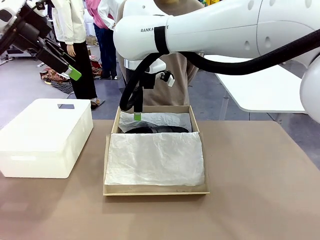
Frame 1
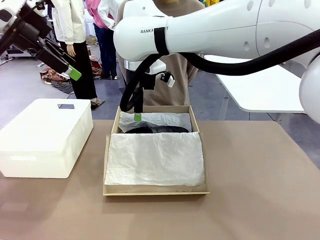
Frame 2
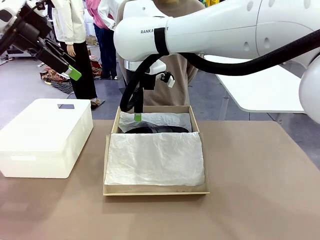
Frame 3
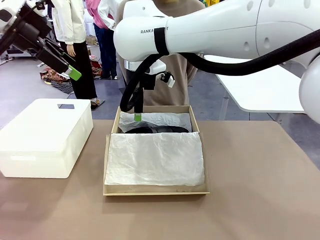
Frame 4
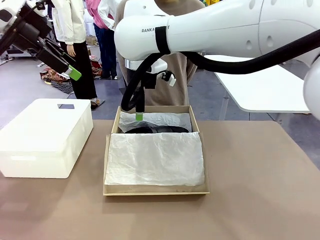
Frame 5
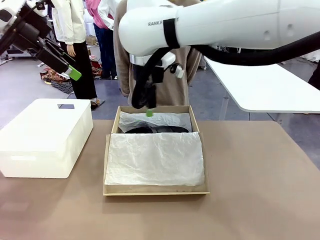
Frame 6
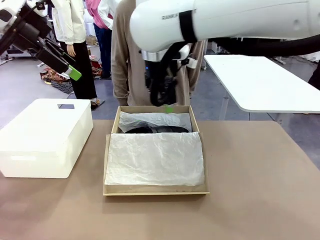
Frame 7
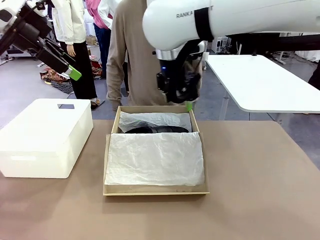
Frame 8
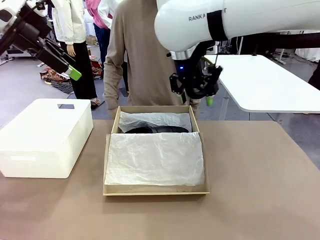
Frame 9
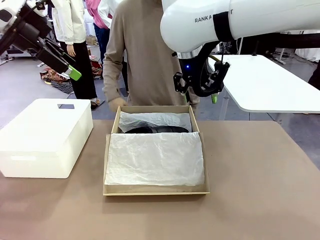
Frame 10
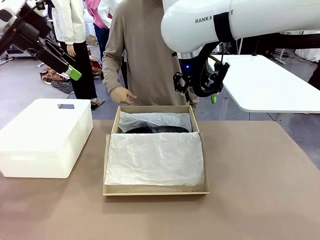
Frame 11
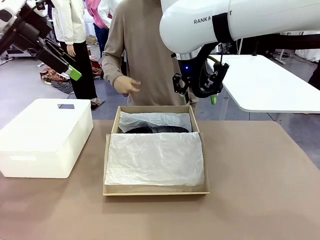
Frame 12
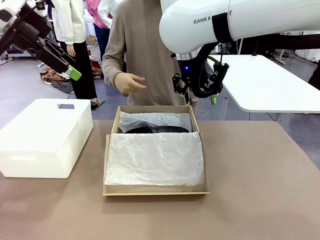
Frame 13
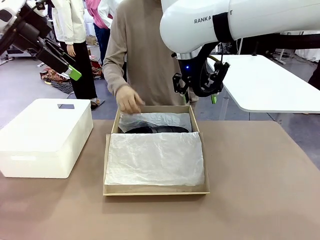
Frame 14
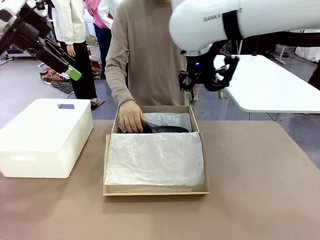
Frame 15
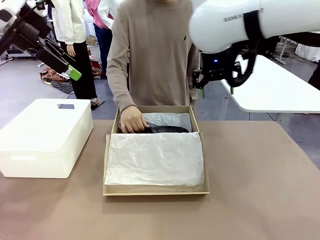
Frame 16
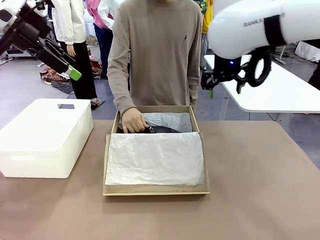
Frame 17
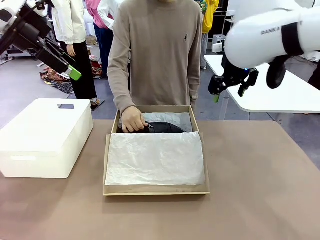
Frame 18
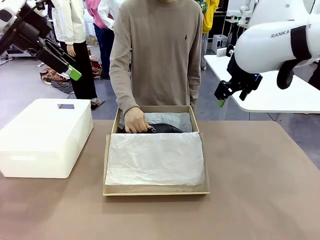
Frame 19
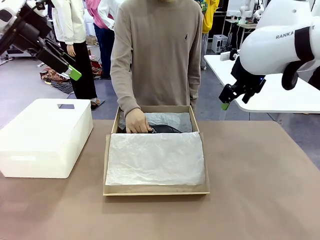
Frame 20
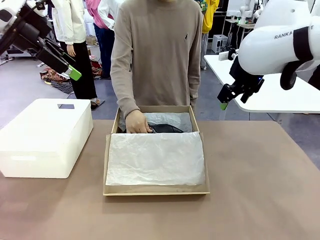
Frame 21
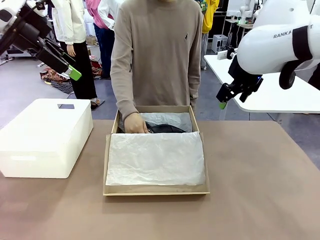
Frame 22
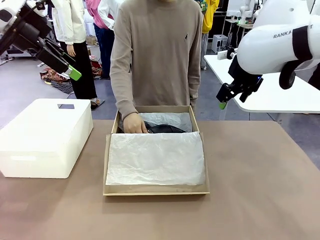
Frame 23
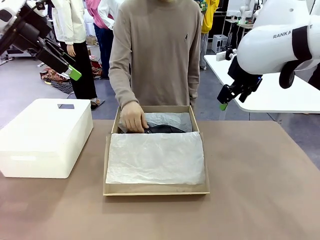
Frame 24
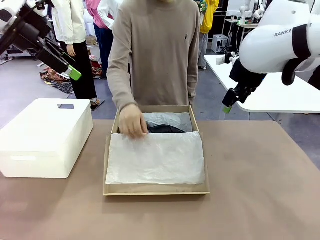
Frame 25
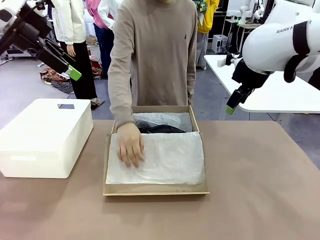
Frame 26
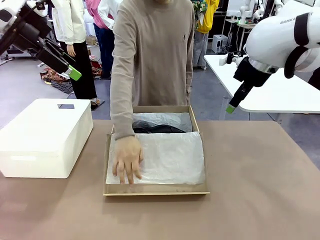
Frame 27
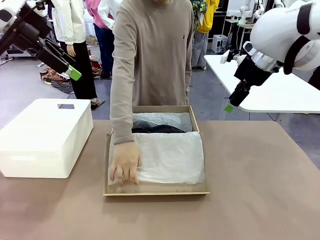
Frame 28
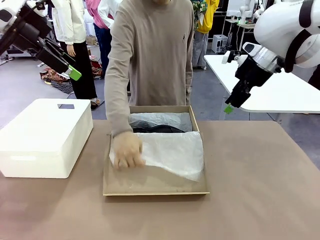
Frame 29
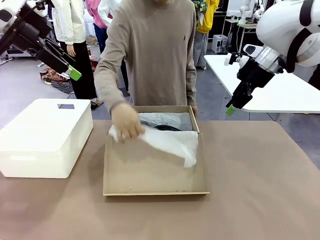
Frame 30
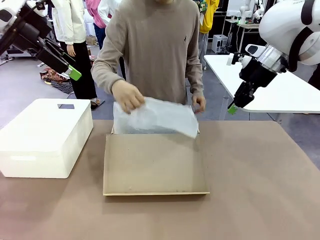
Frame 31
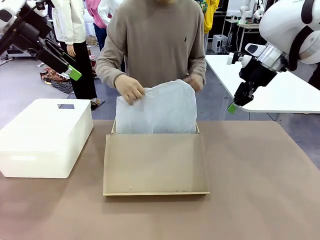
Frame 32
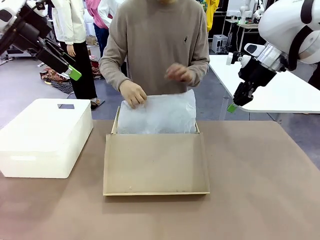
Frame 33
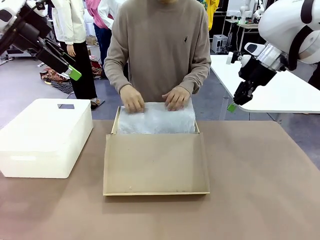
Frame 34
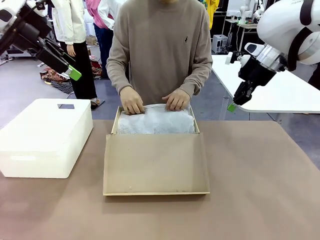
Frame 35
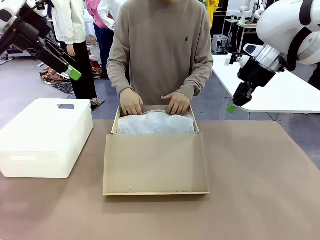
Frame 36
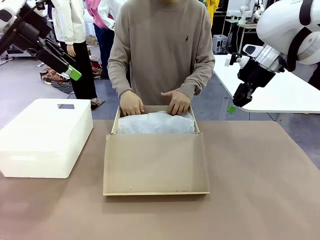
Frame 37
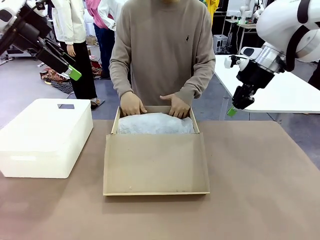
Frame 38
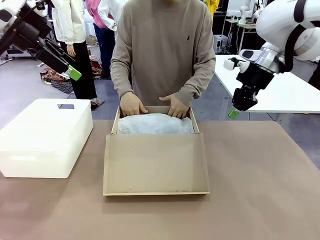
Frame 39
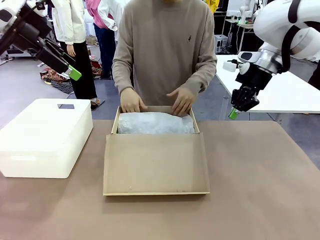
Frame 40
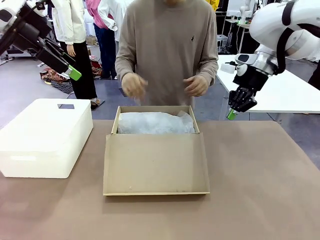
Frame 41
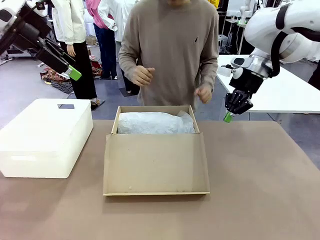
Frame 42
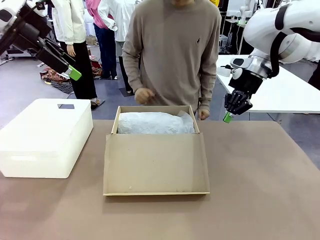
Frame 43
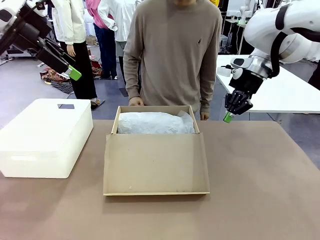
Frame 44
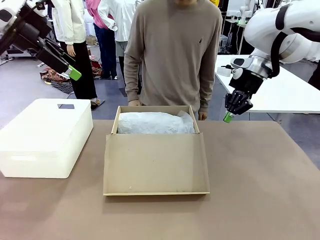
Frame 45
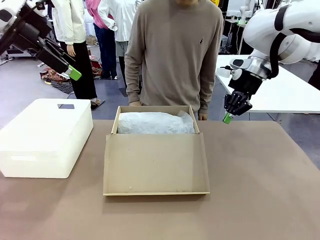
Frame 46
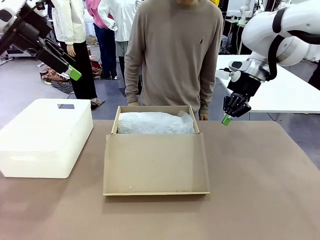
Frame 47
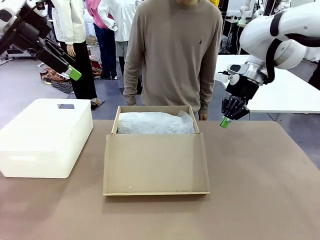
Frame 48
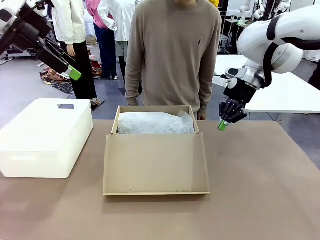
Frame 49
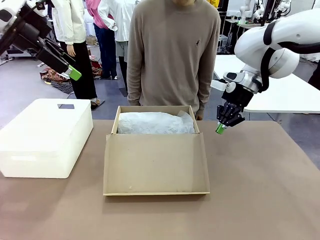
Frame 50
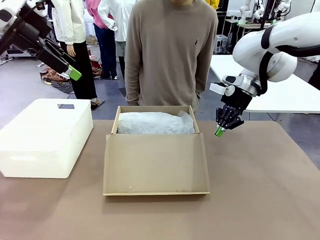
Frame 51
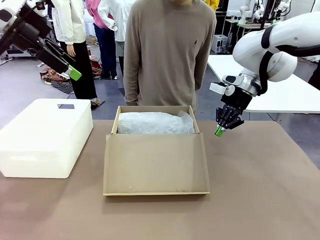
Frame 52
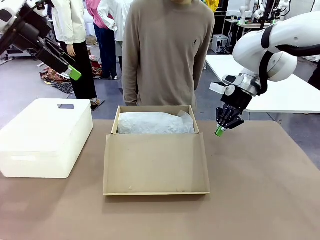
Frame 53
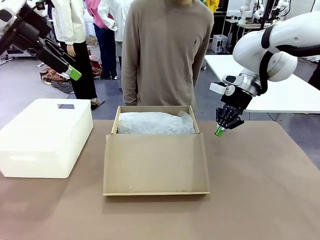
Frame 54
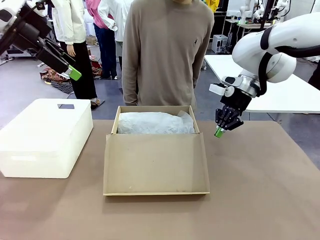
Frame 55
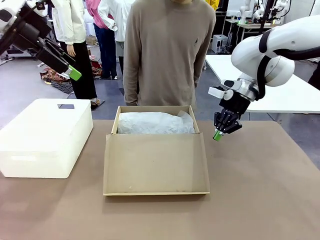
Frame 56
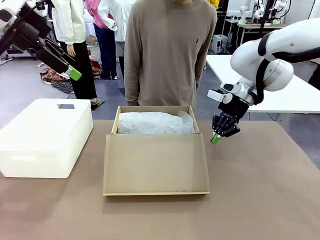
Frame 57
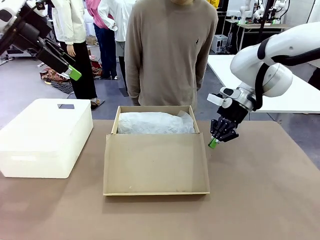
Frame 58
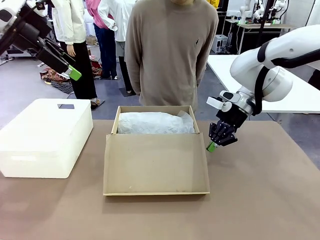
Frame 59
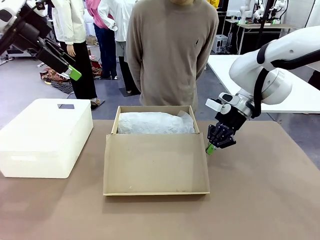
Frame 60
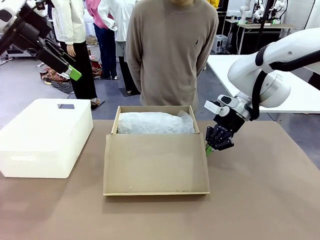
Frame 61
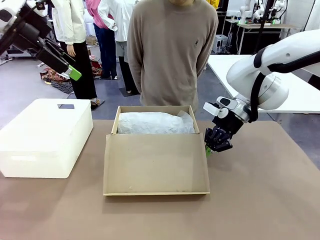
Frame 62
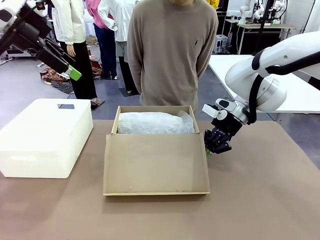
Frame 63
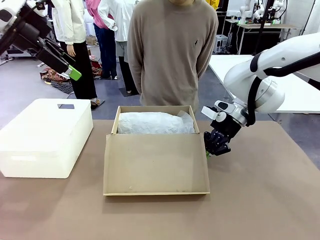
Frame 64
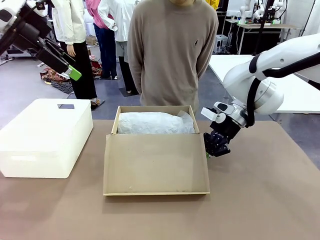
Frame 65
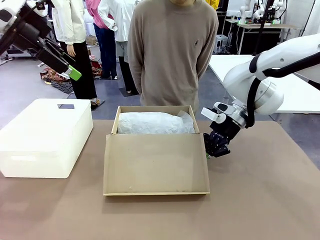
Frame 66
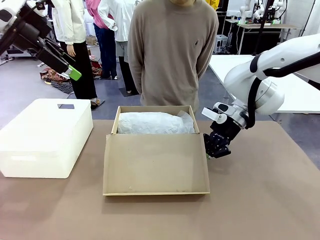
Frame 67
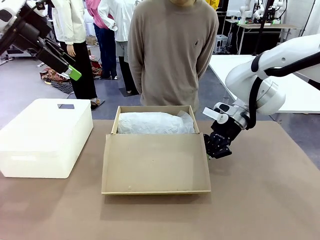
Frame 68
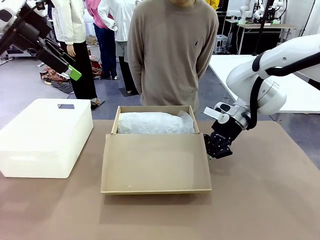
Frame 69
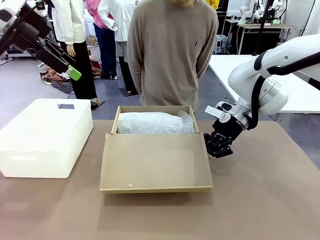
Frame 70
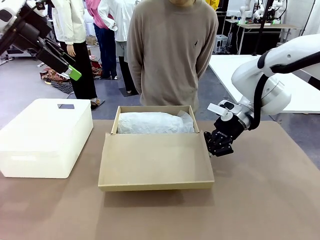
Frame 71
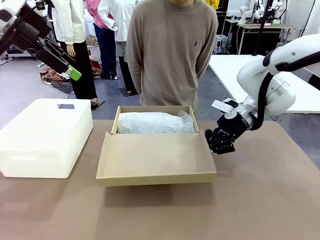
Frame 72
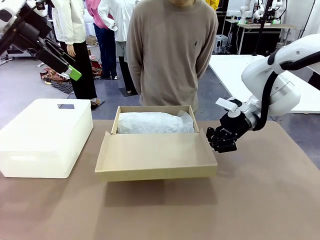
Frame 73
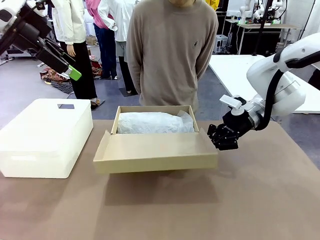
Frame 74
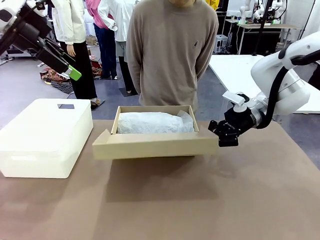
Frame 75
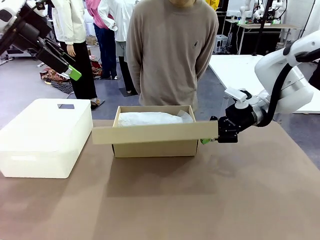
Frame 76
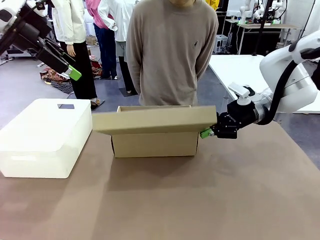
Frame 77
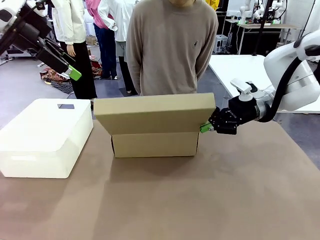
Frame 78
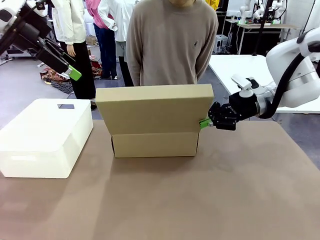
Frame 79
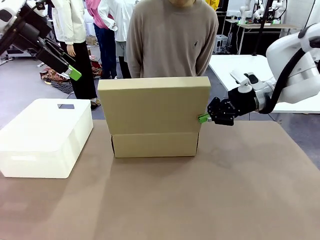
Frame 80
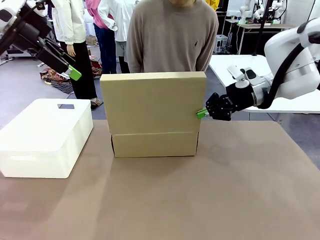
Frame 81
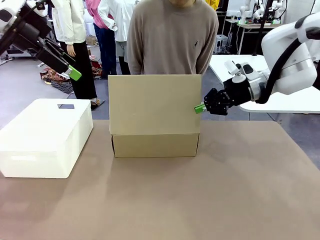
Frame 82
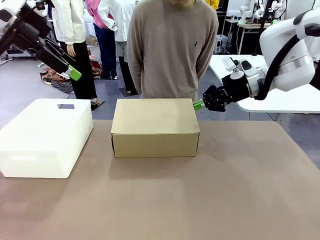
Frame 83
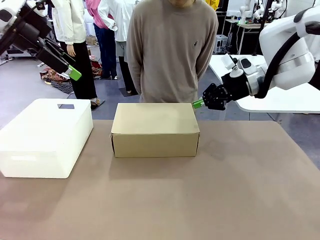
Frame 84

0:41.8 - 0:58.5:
Task: Pack the shoes into the box.
Robot: Close the Shoes Box.
